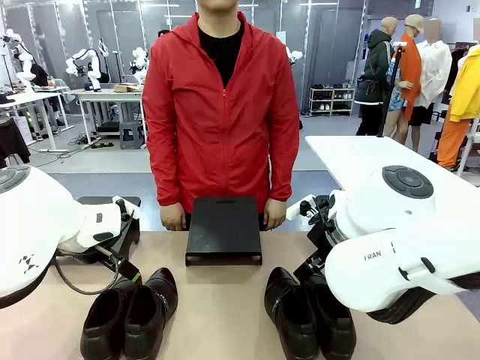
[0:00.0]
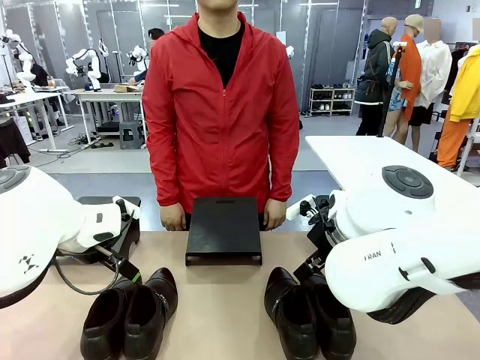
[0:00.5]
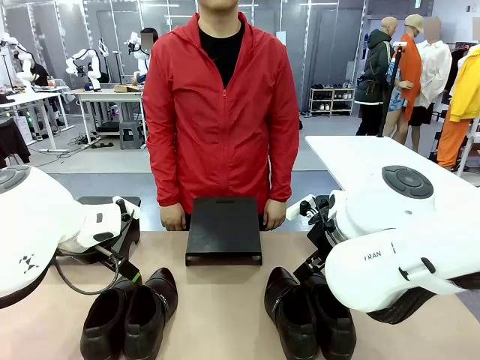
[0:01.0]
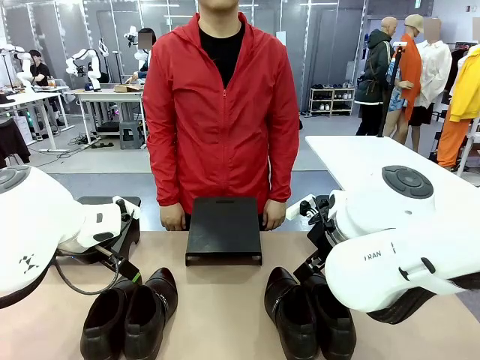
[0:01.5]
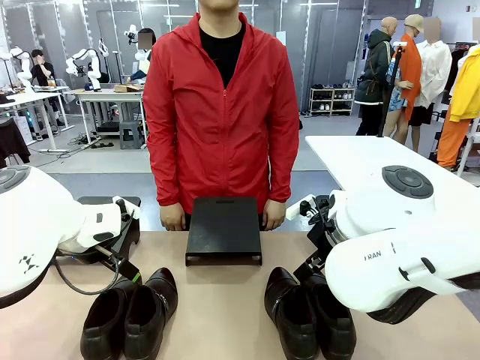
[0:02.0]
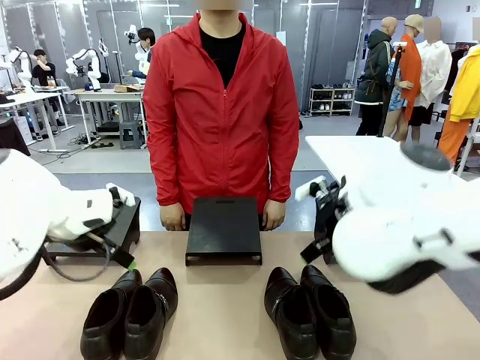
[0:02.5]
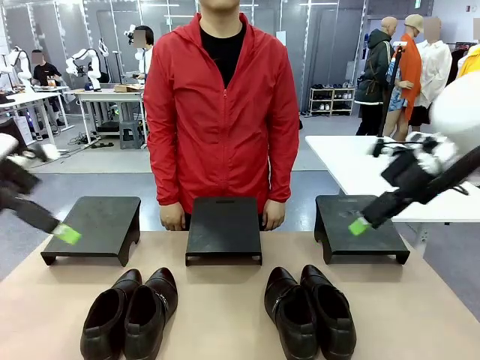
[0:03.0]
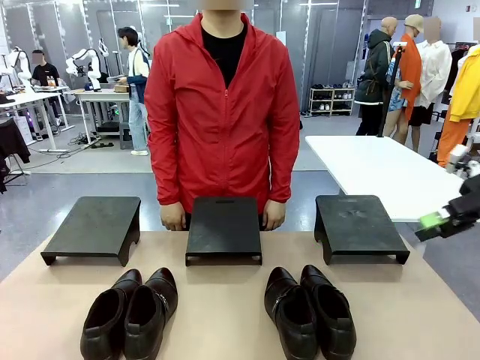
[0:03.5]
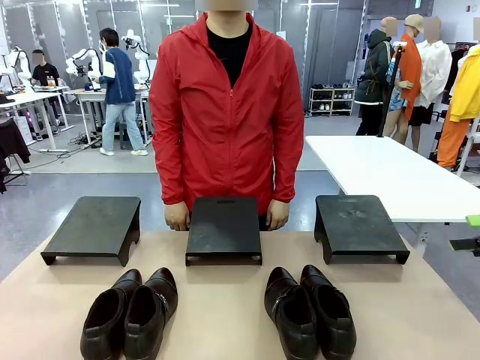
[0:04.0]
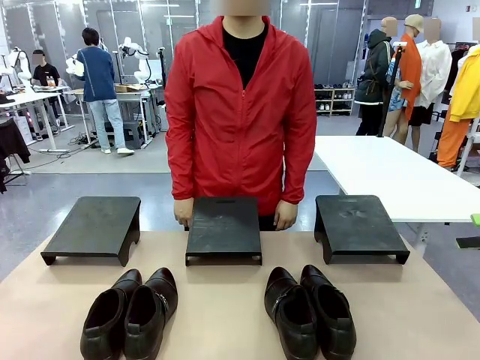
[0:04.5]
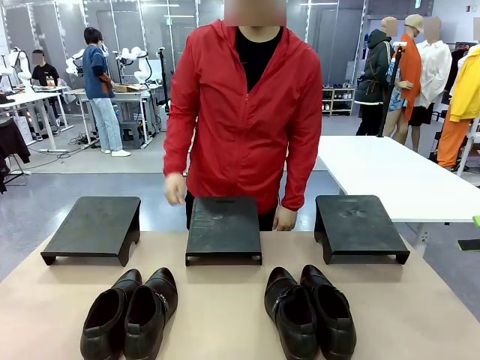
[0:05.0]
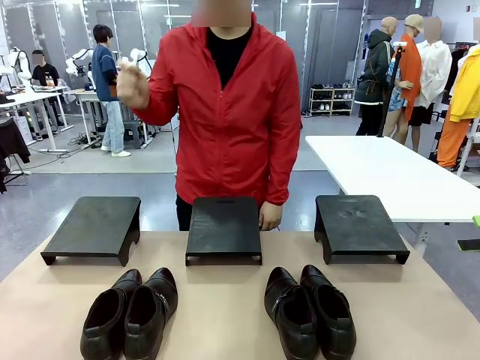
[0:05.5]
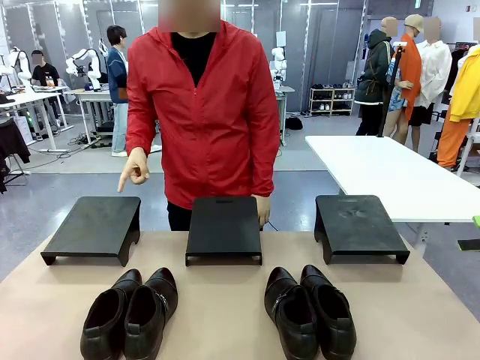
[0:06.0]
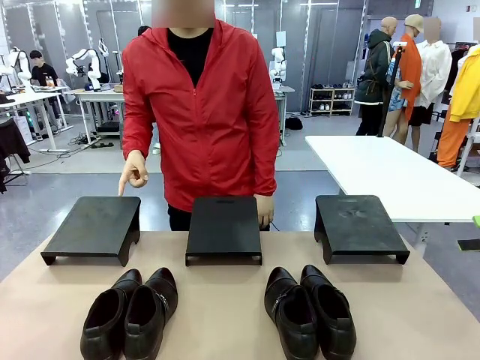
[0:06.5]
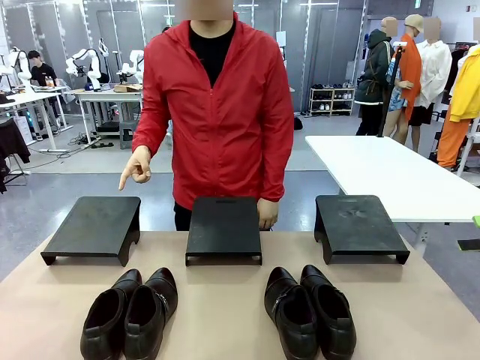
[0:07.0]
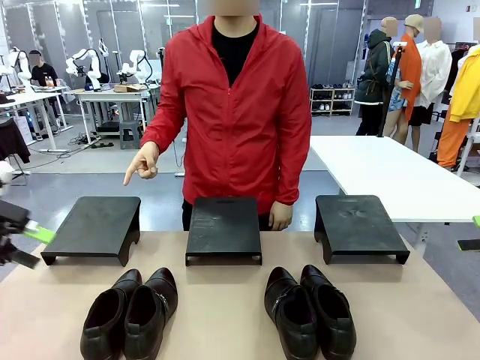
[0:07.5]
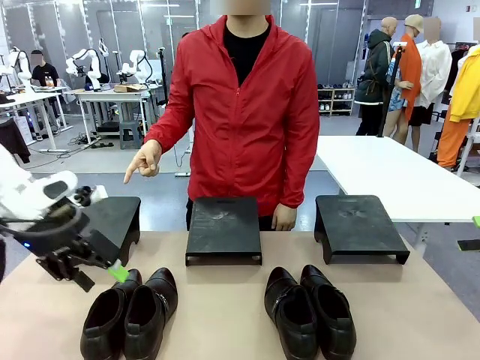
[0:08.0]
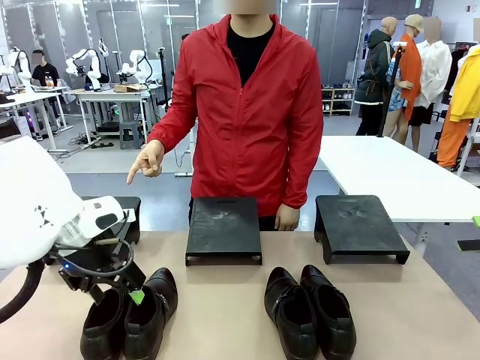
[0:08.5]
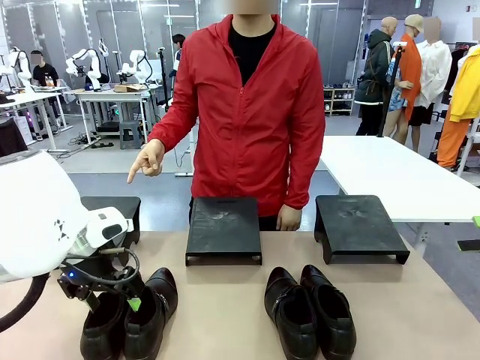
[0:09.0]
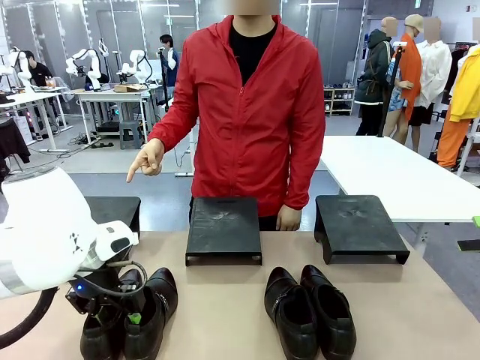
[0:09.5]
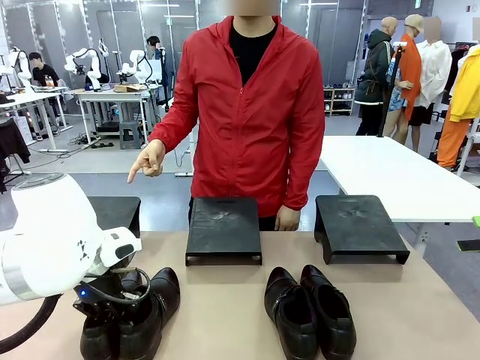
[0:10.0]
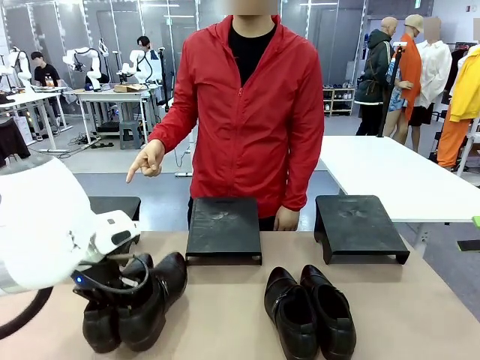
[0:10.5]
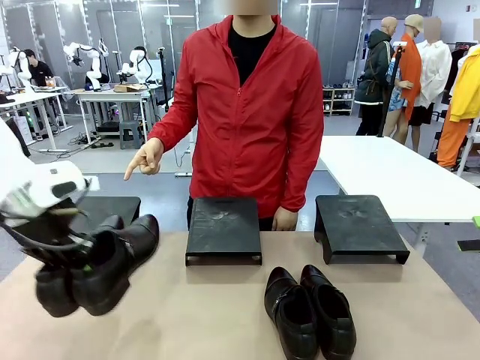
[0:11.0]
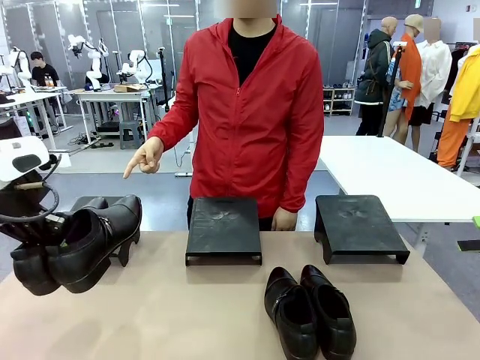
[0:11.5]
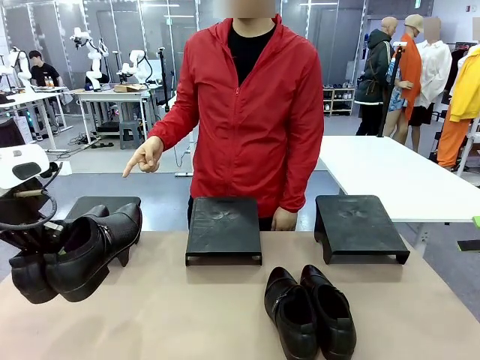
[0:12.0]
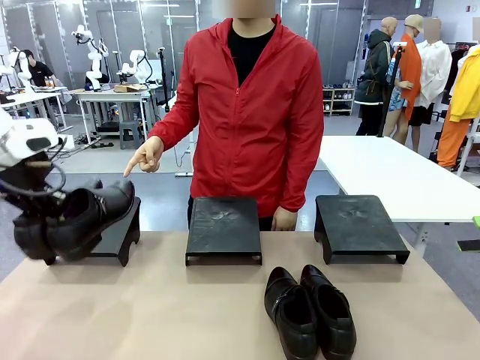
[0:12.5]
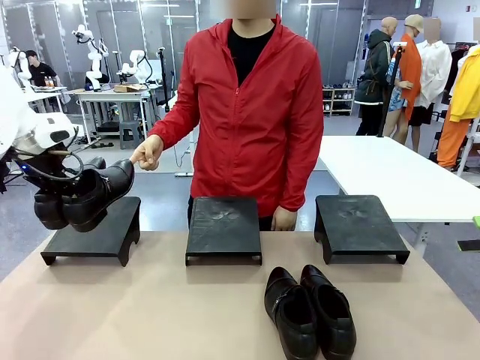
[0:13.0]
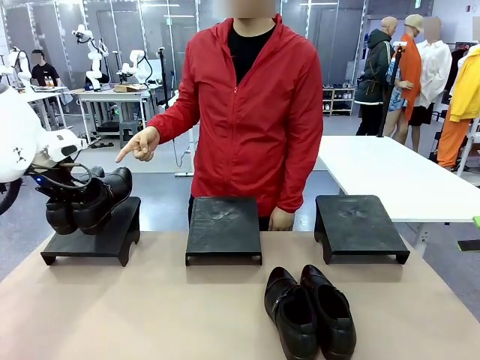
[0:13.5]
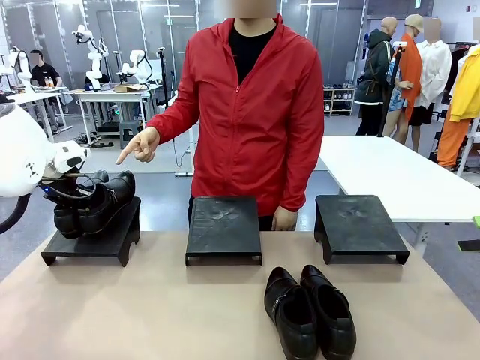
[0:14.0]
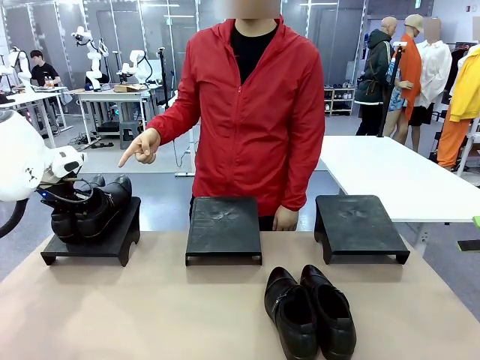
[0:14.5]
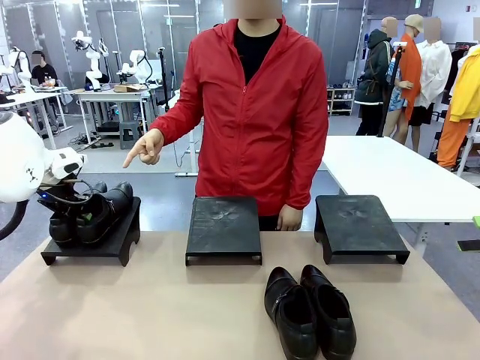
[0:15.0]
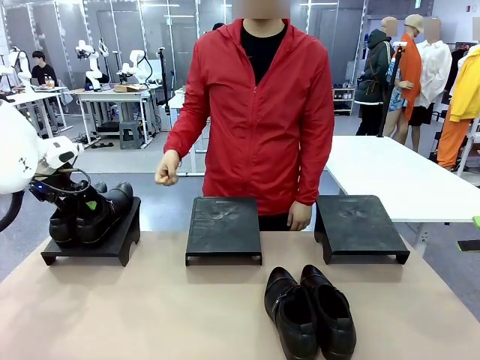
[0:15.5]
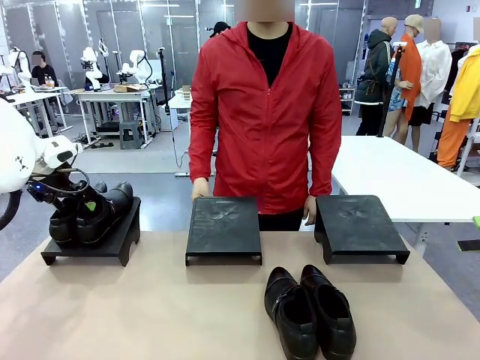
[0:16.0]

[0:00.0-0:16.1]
Task: Place the shoes on the stand as instructed by the person.
Robot: Pick up one pair of Shoes and place it on the Shoes Stand indicated by the person.

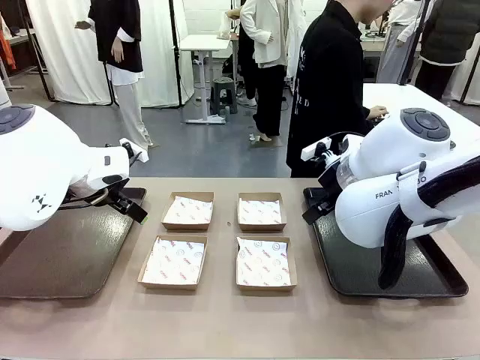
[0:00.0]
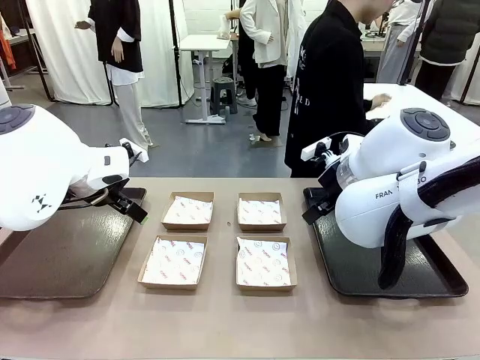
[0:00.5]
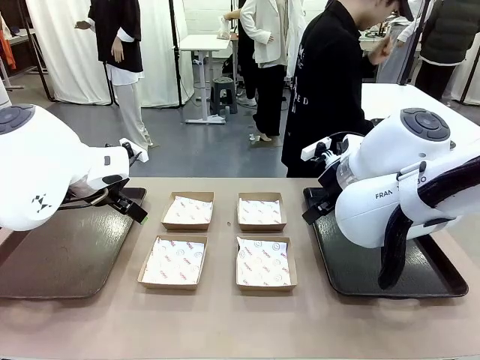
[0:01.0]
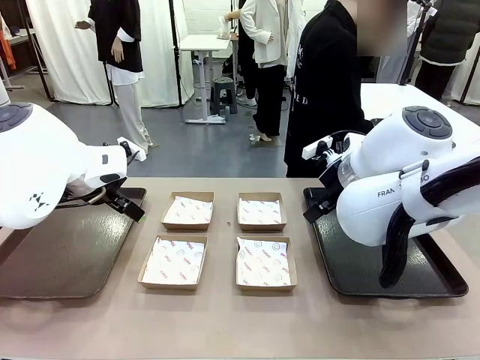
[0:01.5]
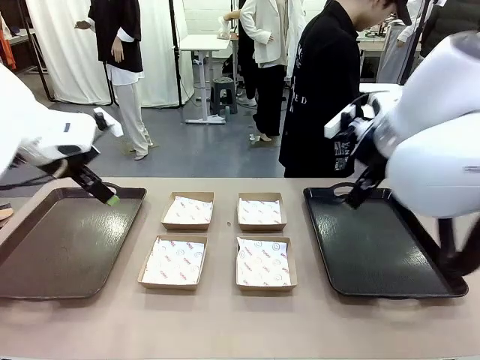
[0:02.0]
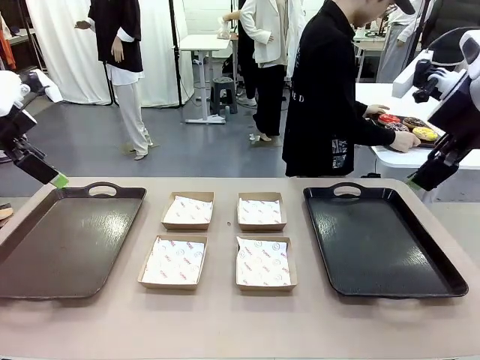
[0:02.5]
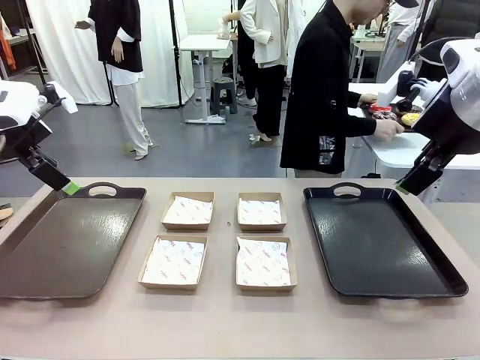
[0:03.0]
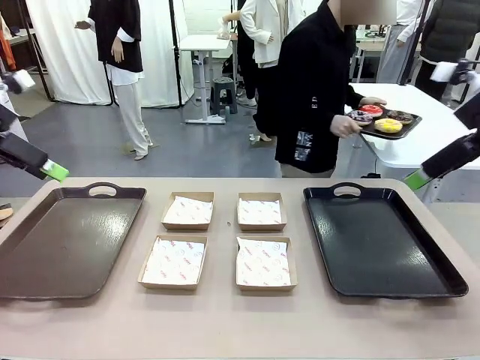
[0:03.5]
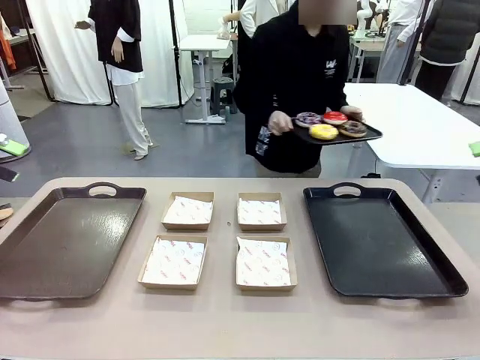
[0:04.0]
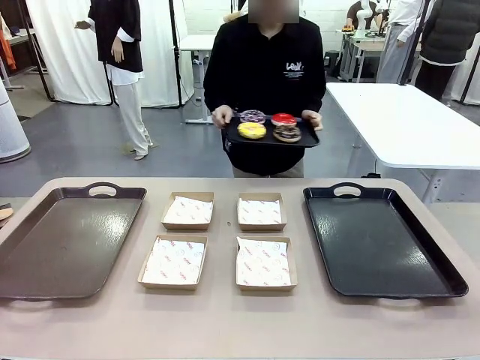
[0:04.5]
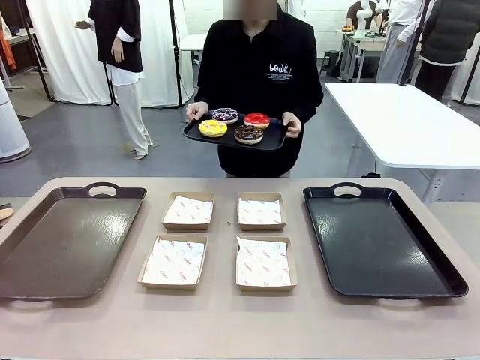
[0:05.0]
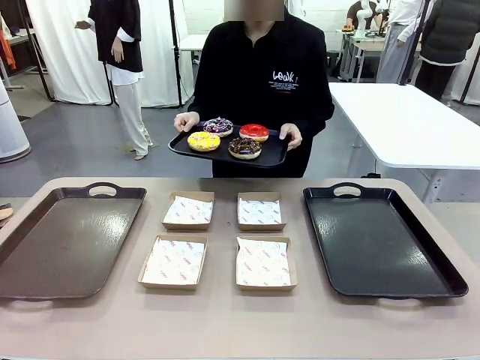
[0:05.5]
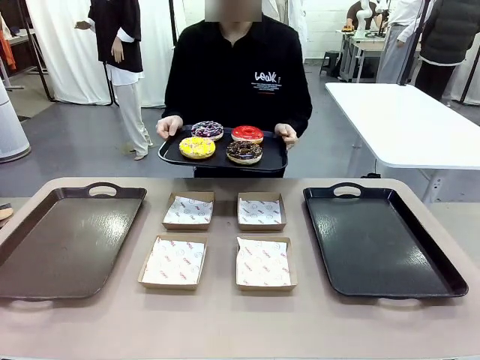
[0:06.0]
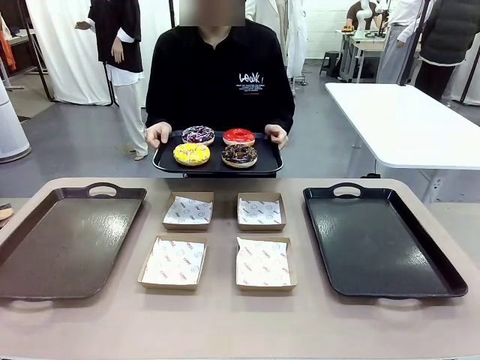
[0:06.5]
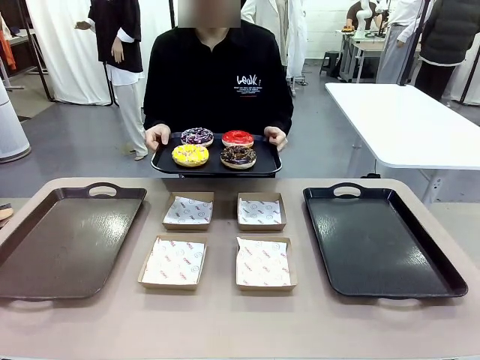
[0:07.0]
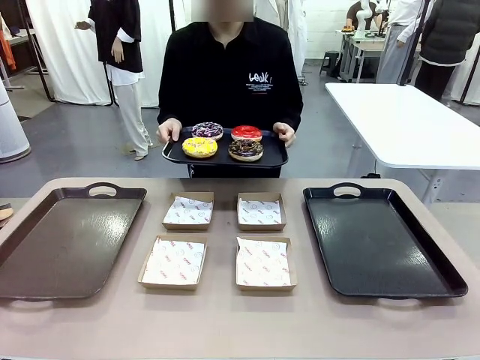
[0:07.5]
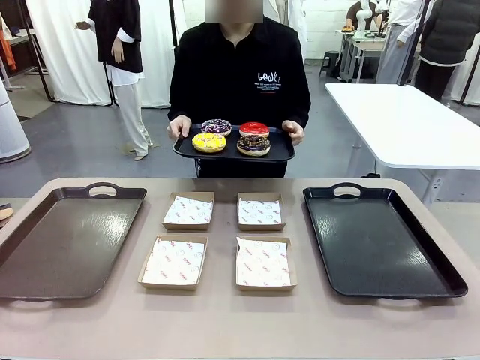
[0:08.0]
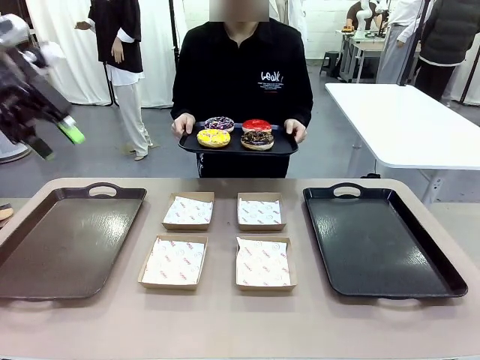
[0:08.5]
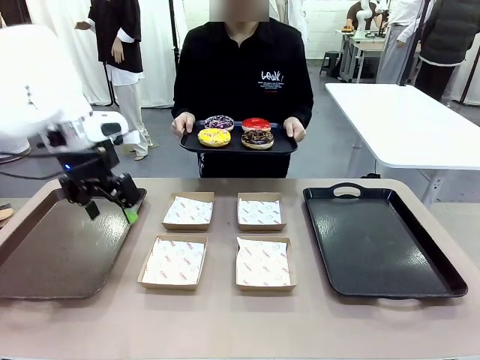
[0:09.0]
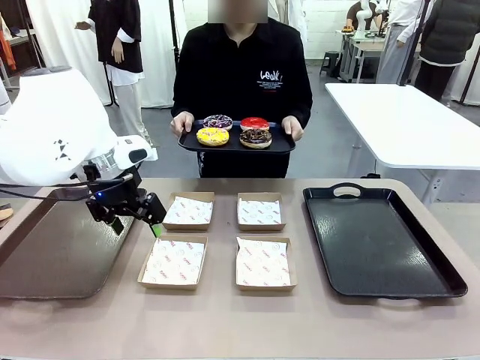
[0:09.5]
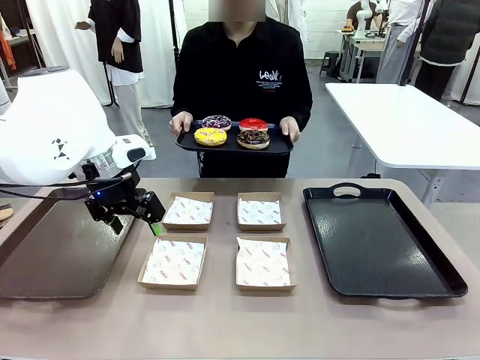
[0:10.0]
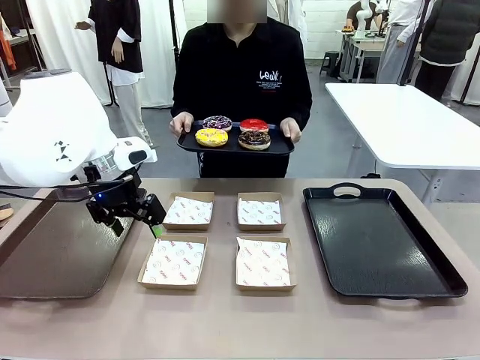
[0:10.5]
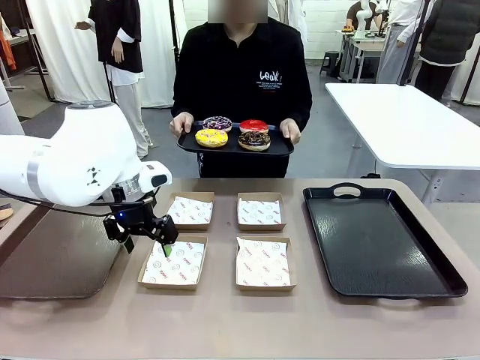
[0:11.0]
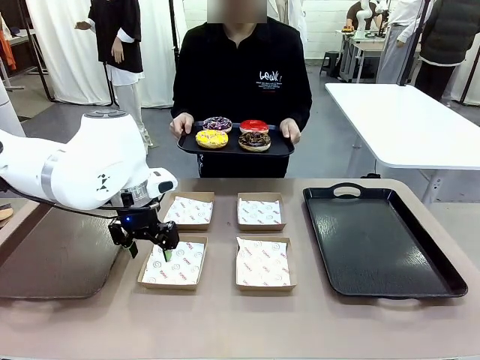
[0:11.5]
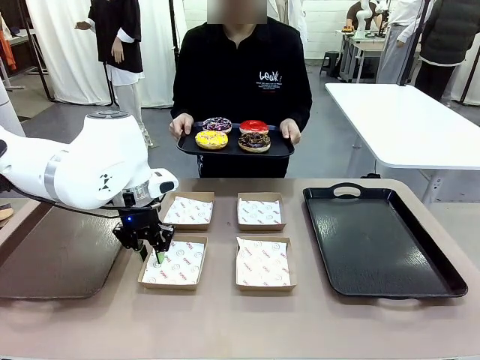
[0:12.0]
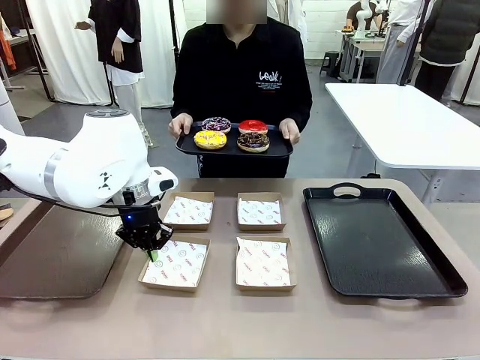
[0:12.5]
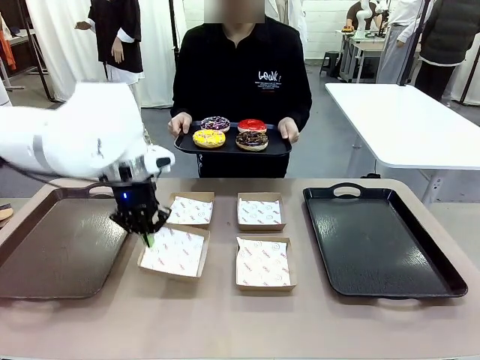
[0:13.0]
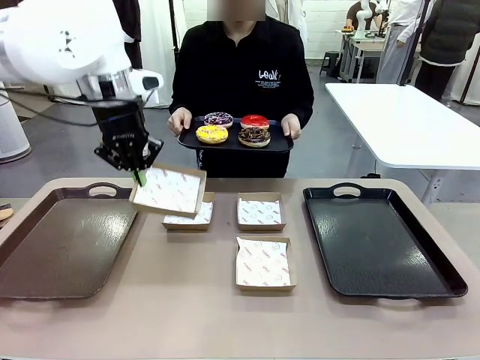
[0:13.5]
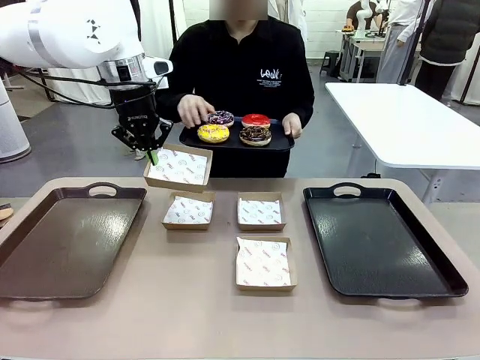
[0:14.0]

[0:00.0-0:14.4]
Task: Individually package the donuts and arrange them on the tray.
Robot: Pick up one Paper togo box.
Person: Stand in front of the robot table holding the tray containing the donuts.
